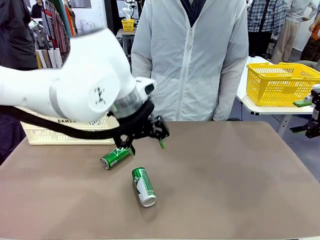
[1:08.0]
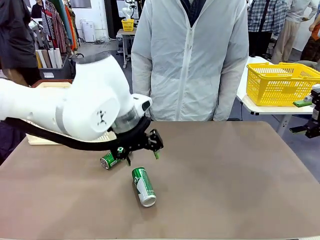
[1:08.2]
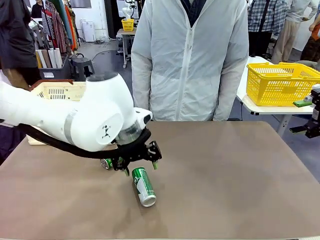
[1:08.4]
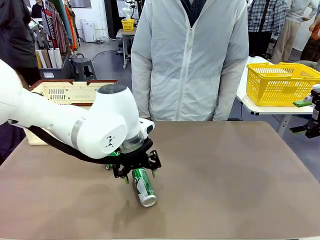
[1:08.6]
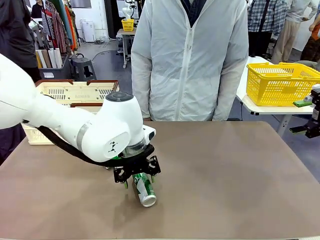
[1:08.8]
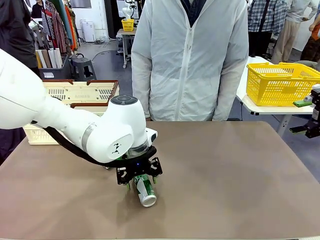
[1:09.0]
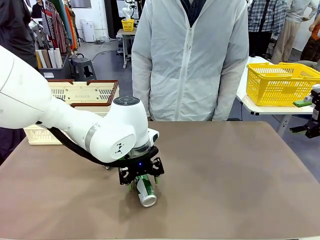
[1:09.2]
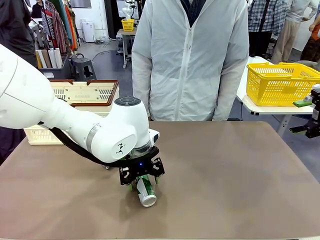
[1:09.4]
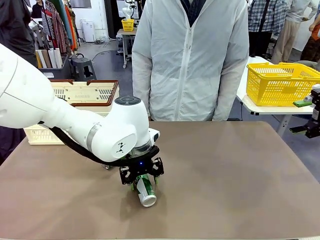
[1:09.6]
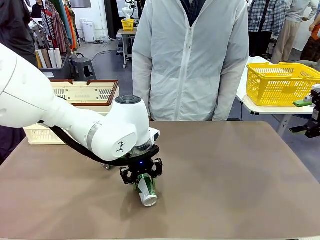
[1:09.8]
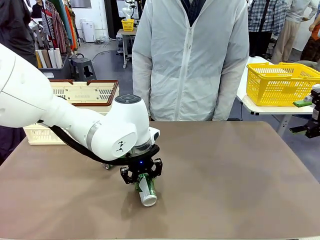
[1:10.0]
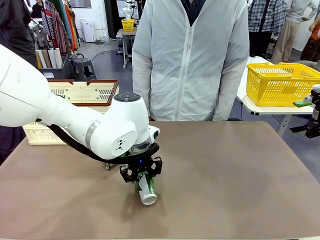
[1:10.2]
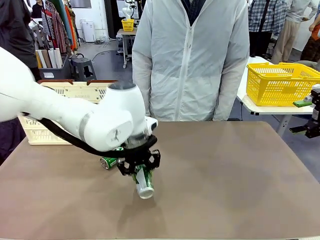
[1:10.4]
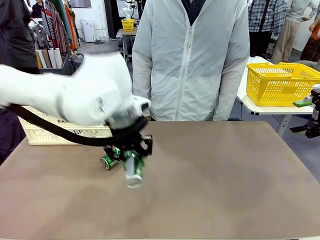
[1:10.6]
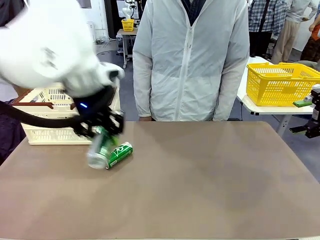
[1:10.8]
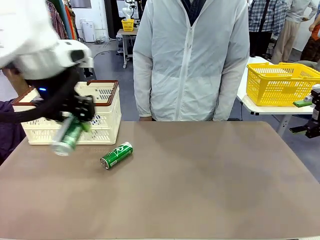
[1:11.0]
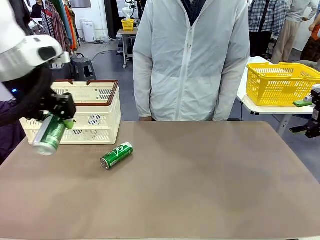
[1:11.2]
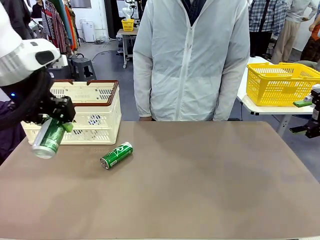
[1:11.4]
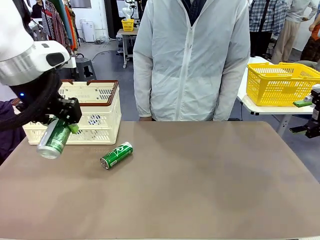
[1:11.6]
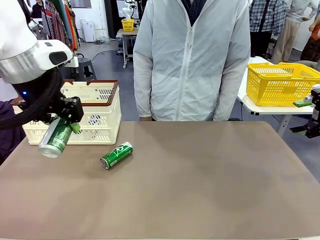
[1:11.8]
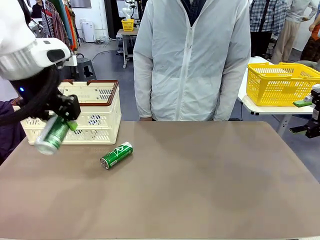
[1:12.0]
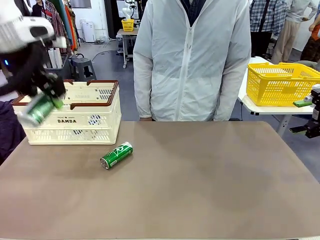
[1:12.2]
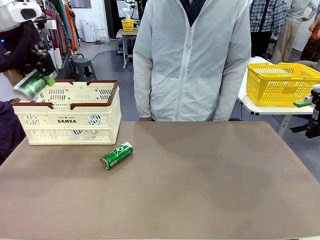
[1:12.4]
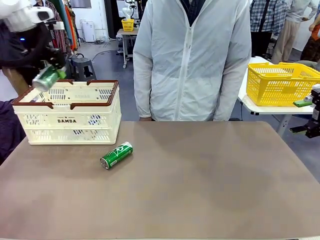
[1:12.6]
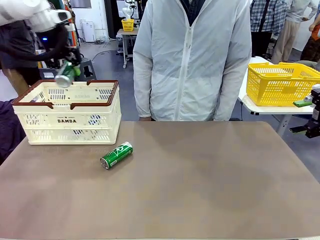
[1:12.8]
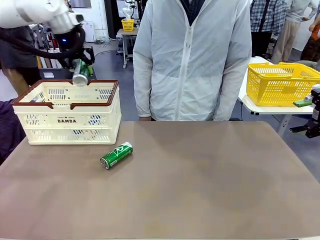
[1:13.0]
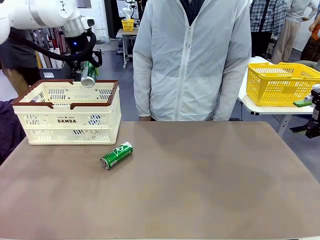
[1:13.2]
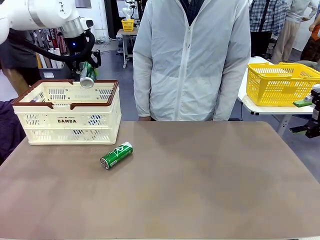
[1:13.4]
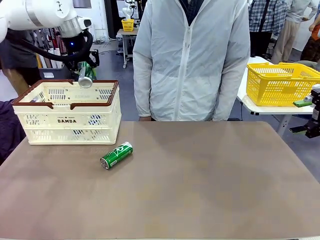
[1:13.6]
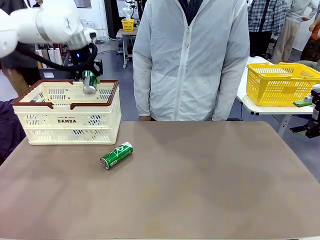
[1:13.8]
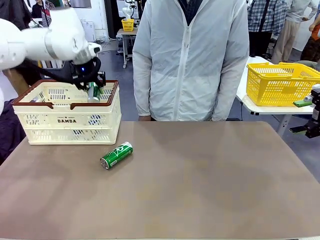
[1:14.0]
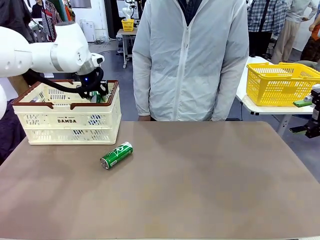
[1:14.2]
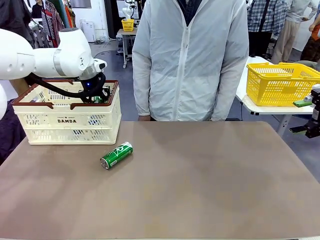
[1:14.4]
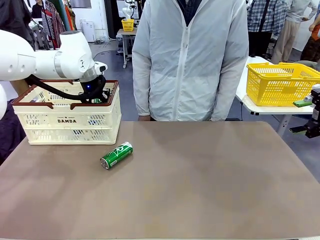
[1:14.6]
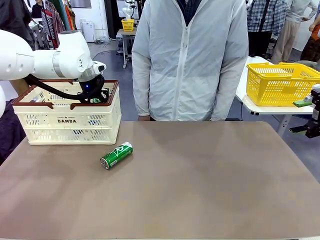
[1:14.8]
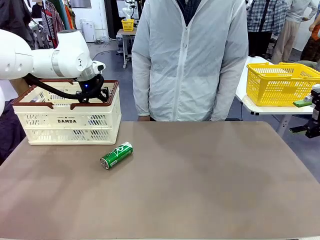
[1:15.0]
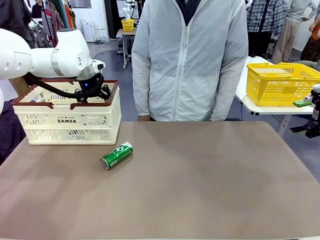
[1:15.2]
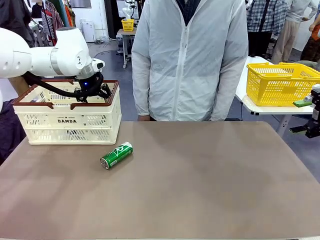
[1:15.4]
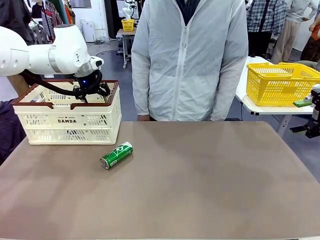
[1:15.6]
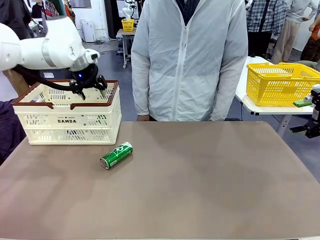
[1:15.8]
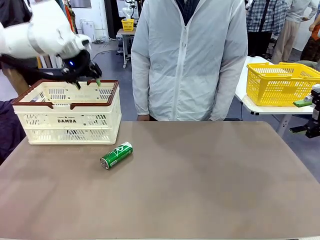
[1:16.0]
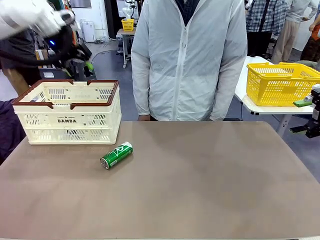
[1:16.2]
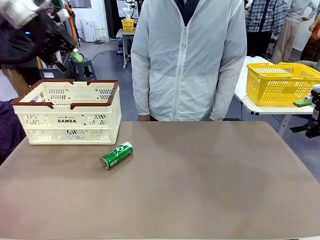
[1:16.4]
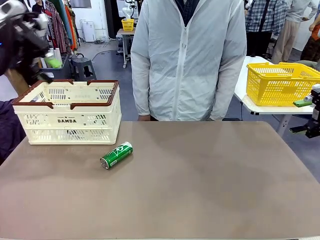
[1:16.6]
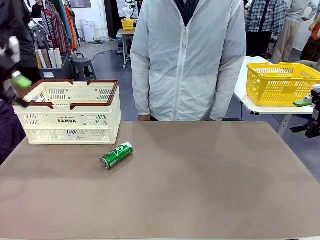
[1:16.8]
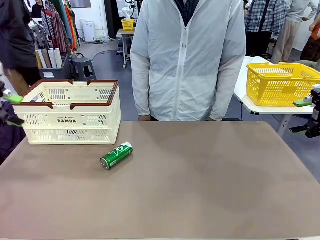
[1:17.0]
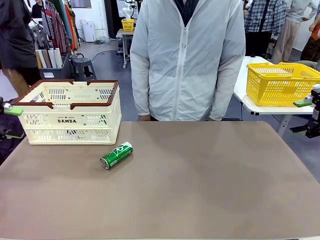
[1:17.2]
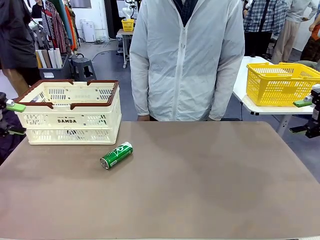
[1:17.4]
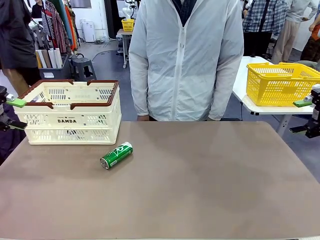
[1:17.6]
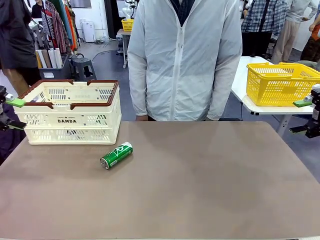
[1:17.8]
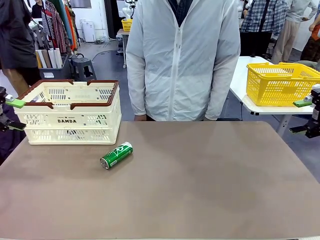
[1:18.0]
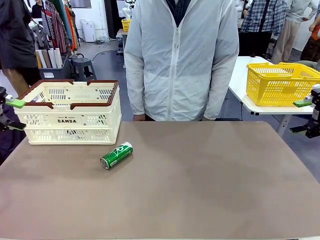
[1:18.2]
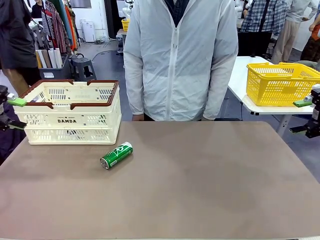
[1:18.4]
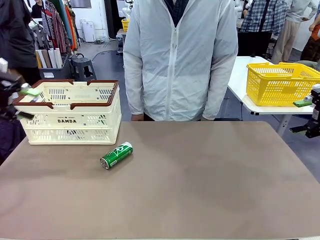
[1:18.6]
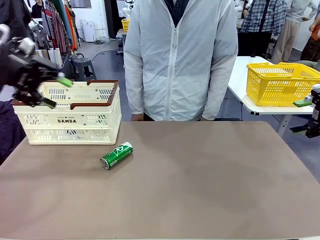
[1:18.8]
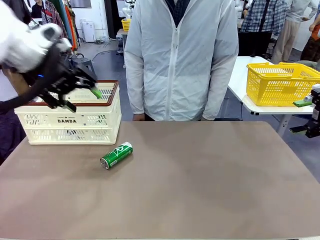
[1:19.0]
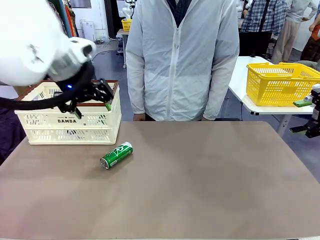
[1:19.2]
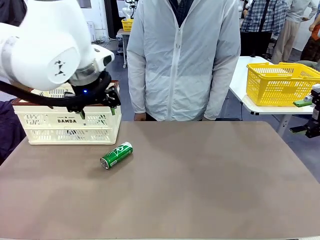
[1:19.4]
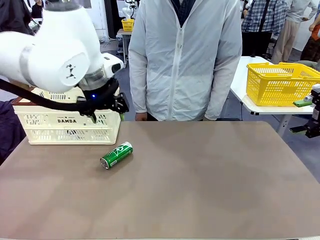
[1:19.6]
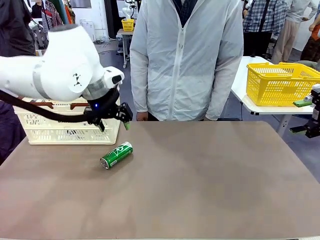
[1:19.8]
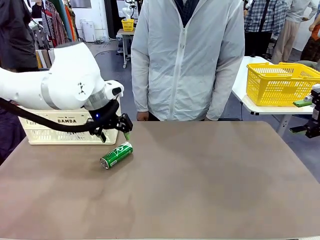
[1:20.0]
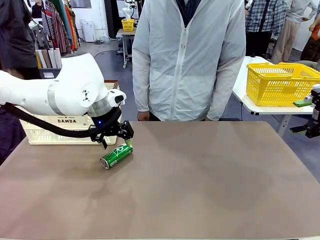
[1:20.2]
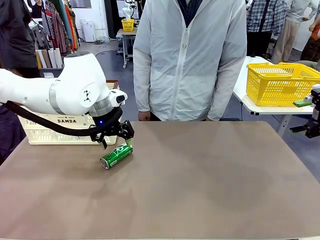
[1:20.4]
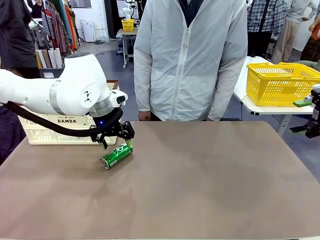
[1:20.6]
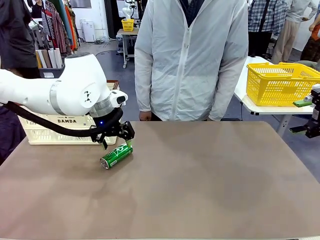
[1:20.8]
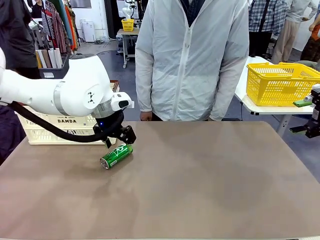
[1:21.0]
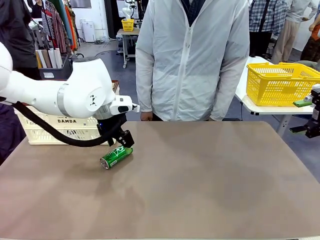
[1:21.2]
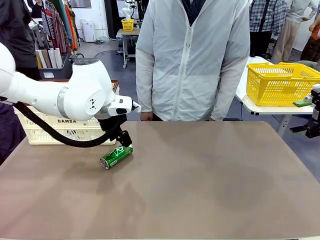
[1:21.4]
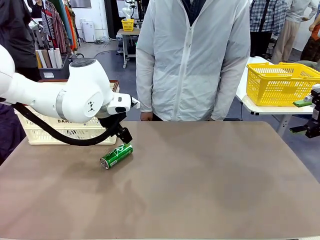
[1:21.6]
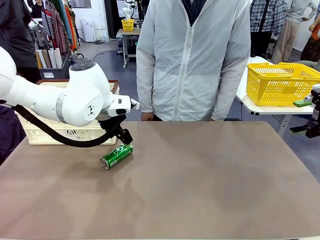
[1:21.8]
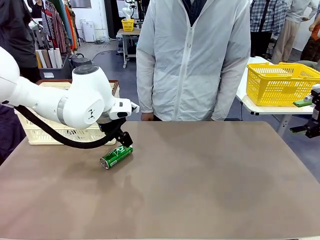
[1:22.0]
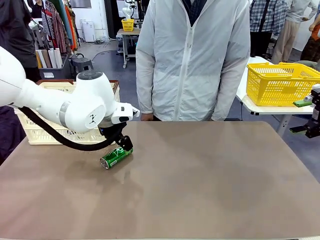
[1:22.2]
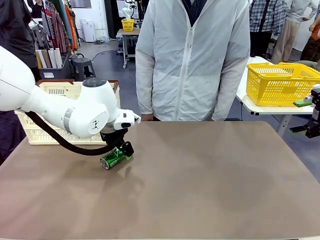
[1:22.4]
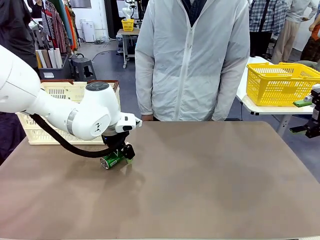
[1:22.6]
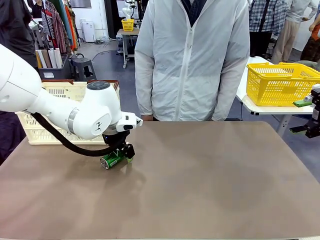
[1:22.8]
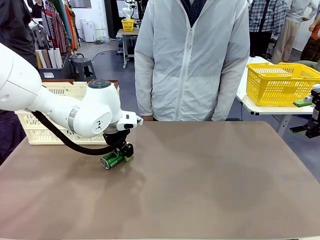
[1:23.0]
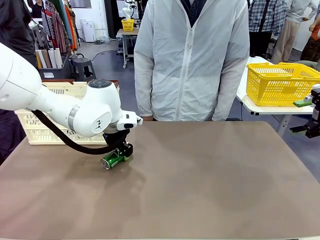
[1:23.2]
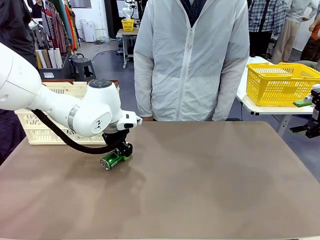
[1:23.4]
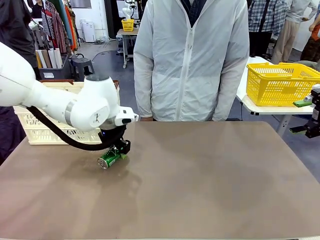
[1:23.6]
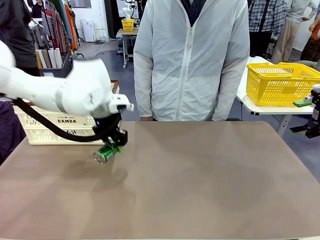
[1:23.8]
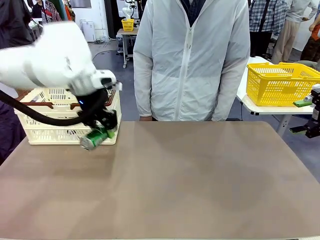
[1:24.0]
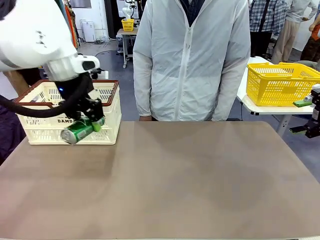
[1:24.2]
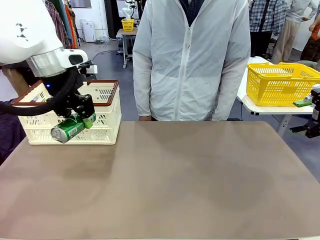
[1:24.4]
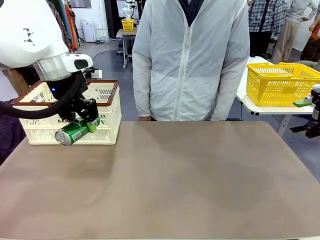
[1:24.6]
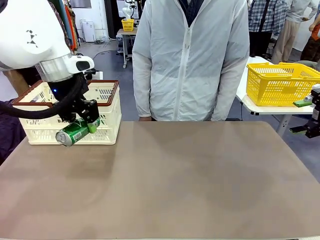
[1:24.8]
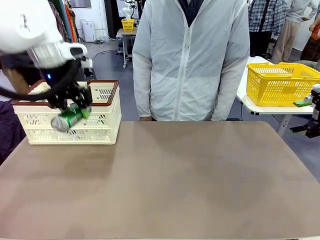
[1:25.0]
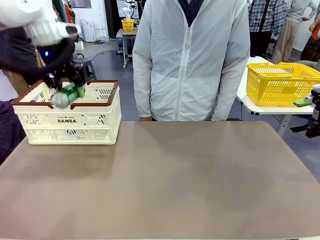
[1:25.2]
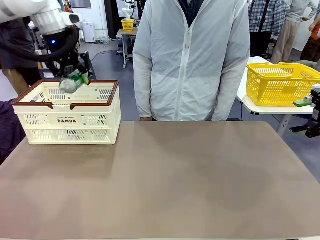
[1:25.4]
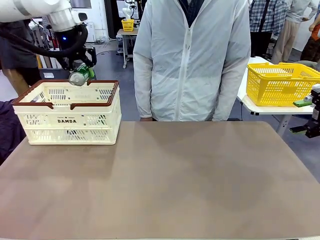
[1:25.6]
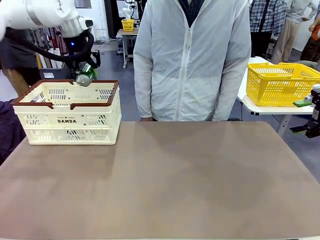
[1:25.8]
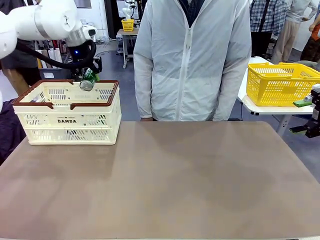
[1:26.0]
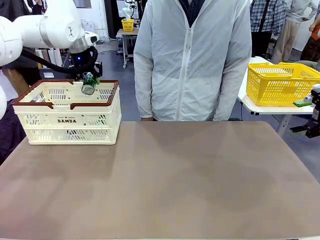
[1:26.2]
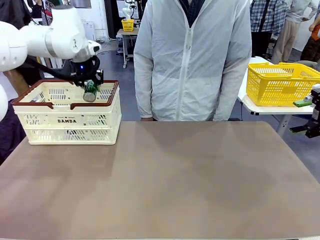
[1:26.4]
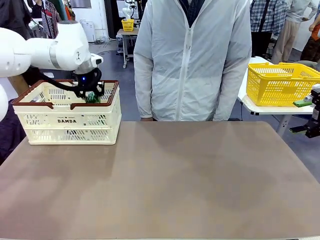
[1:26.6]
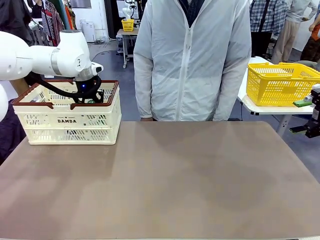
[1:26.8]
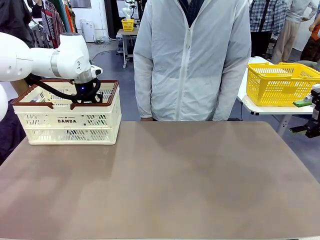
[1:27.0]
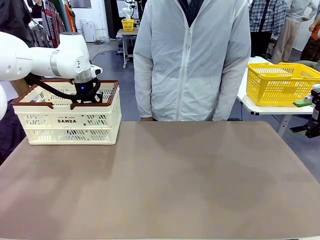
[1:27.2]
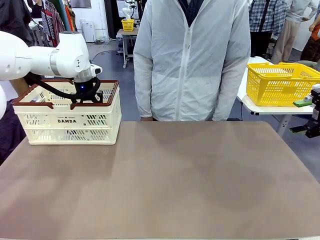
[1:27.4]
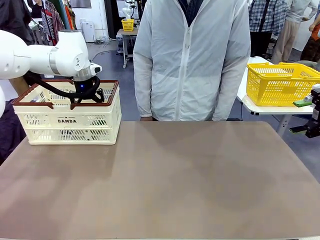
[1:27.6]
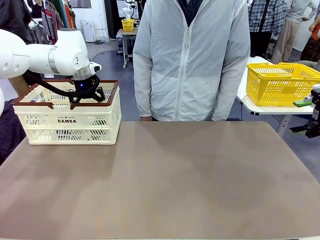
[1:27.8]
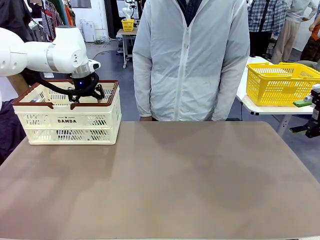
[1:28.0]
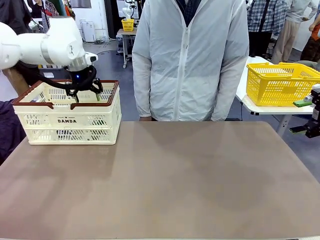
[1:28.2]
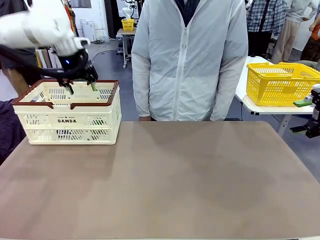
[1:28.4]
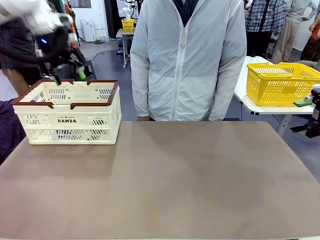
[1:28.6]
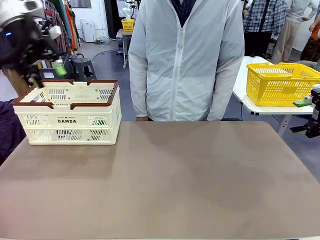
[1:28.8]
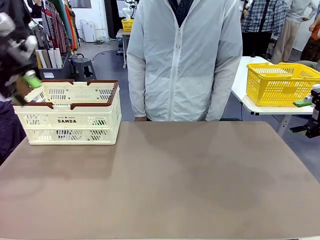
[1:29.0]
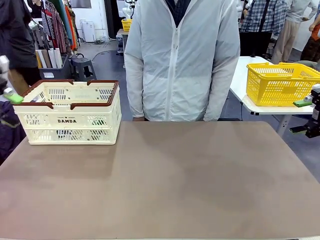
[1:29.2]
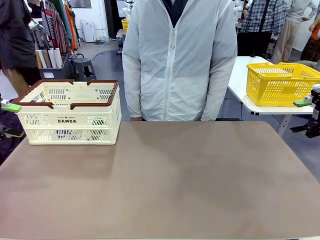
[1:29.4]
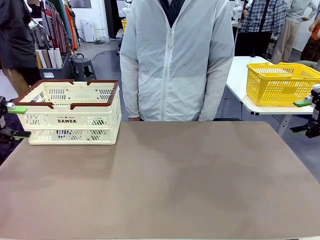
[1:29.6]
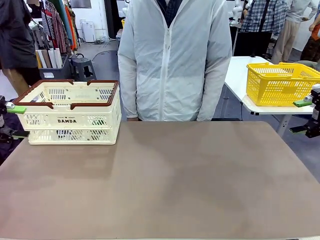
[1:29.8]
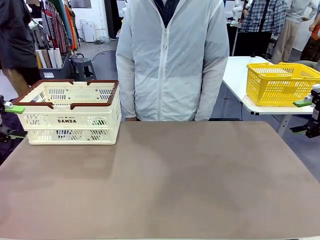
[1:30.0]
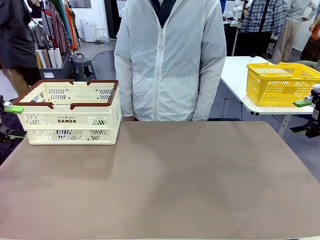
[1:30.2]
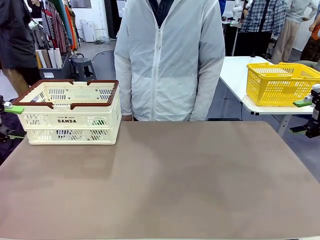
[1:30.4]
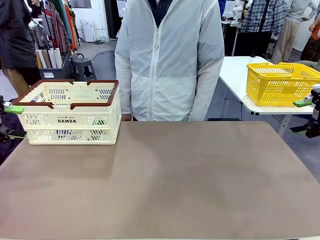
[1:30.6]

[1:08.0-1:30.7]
Task: Place the drinks into the Shopping basket.
Robot: Pick up one drink and place it into the Shopping basket.
